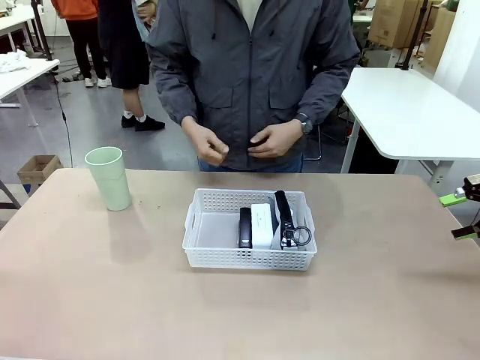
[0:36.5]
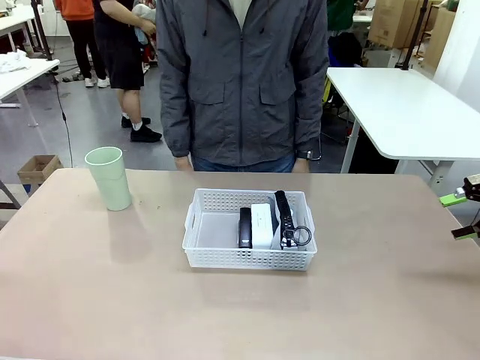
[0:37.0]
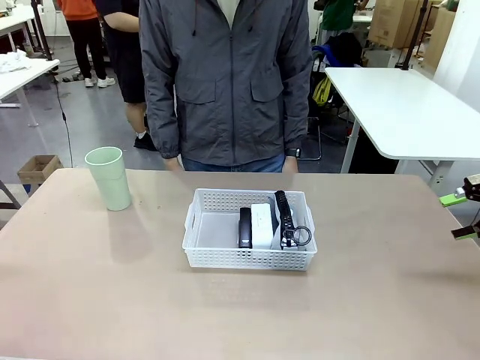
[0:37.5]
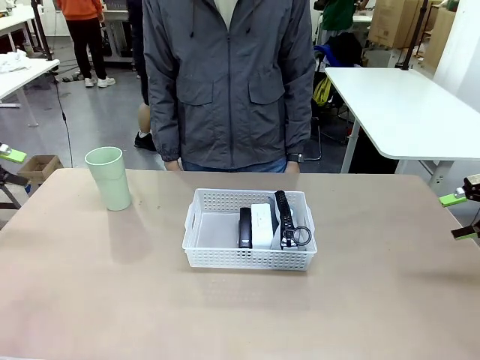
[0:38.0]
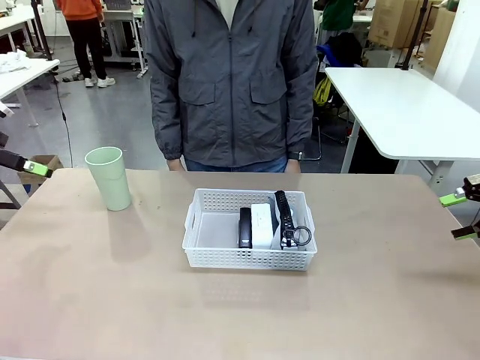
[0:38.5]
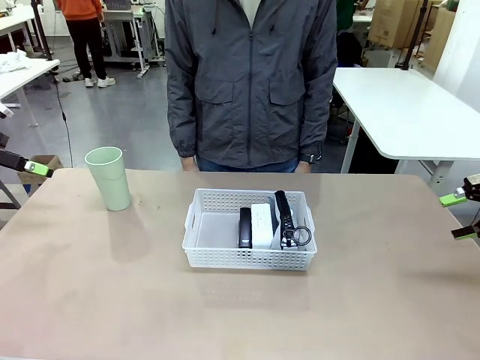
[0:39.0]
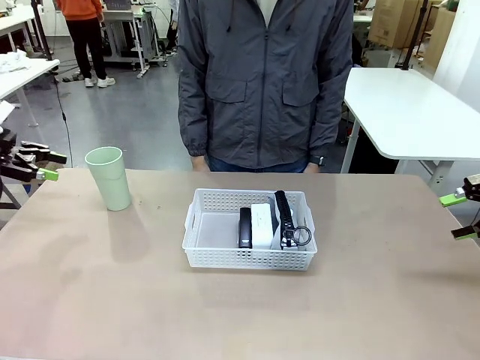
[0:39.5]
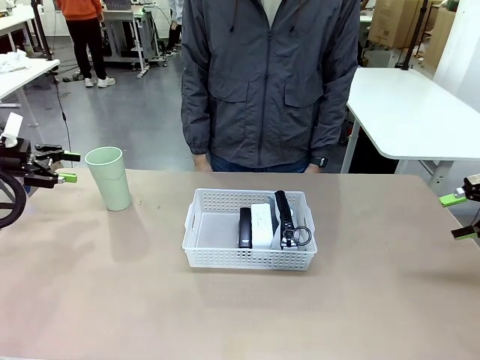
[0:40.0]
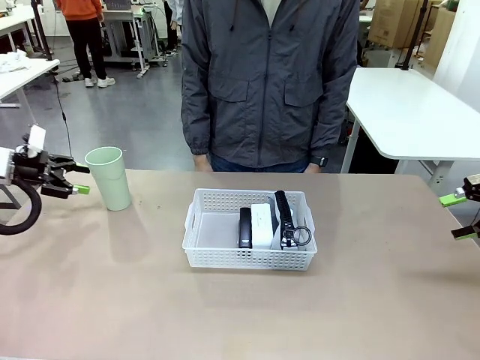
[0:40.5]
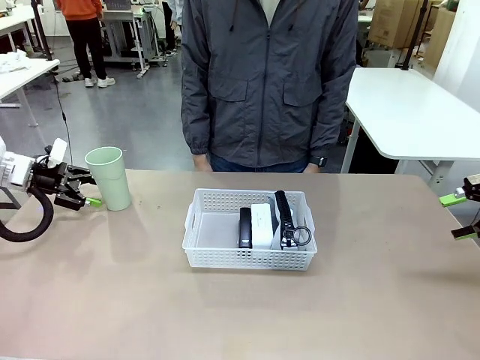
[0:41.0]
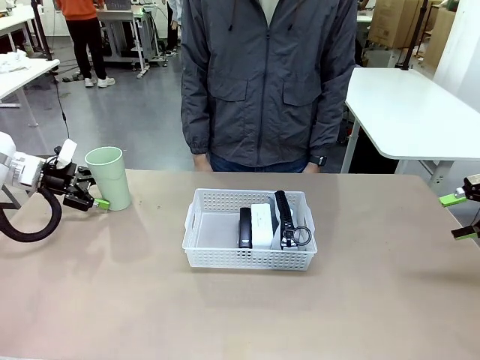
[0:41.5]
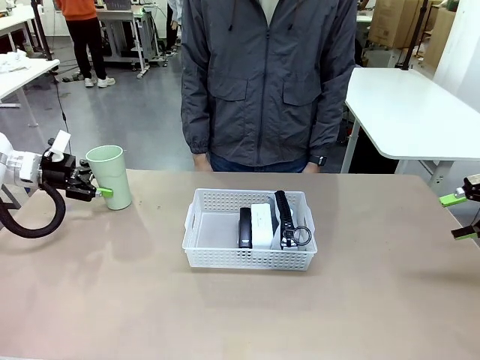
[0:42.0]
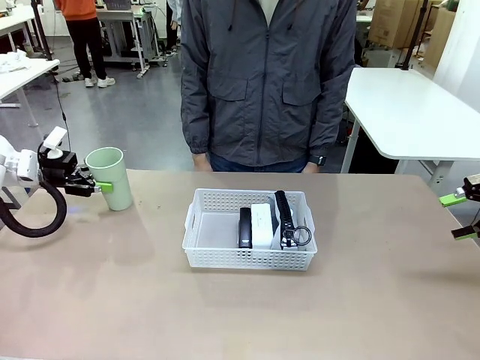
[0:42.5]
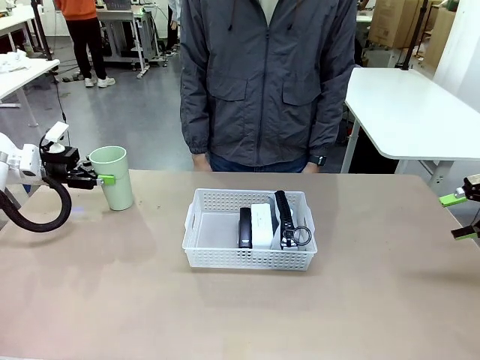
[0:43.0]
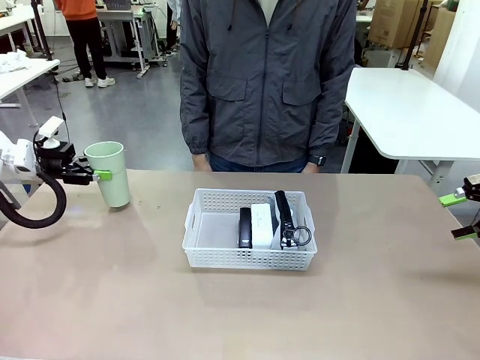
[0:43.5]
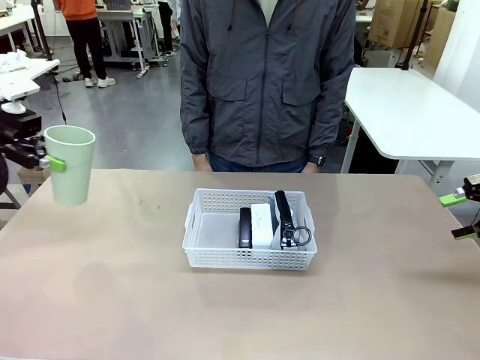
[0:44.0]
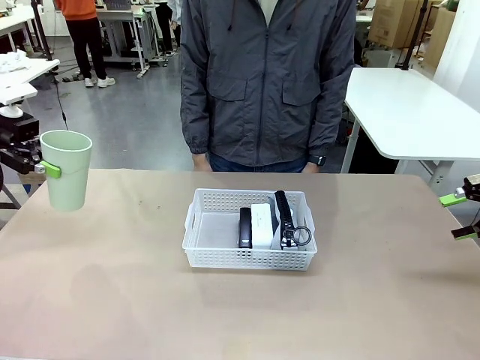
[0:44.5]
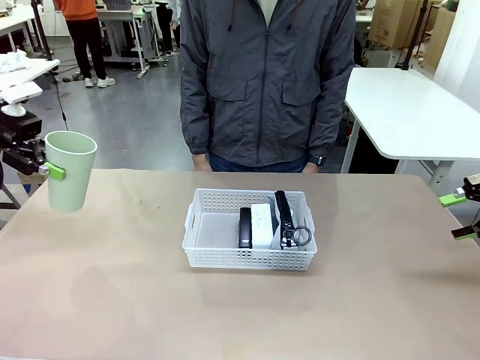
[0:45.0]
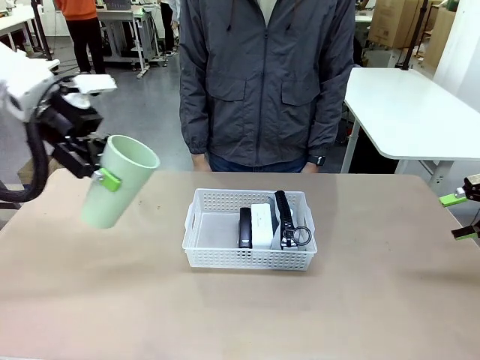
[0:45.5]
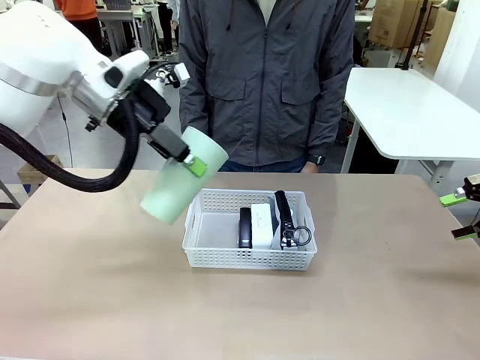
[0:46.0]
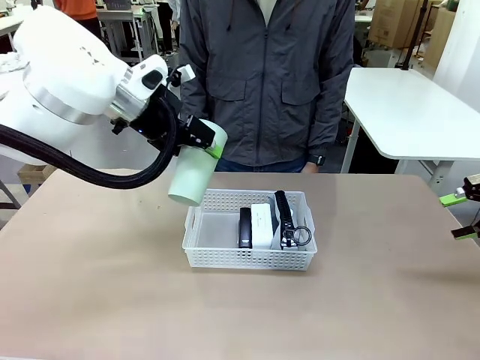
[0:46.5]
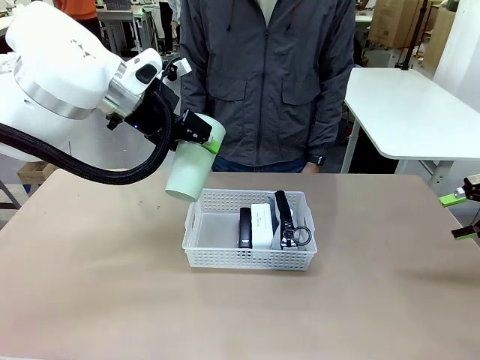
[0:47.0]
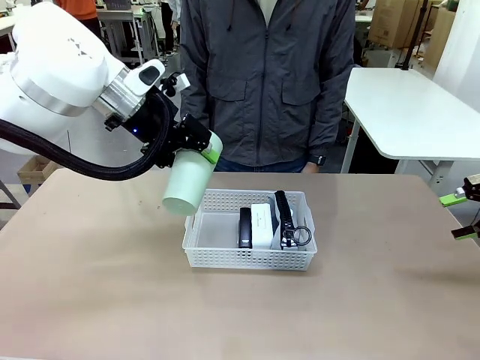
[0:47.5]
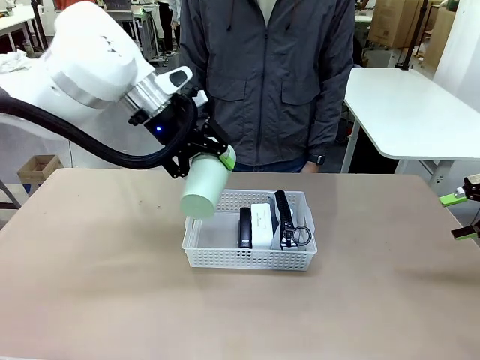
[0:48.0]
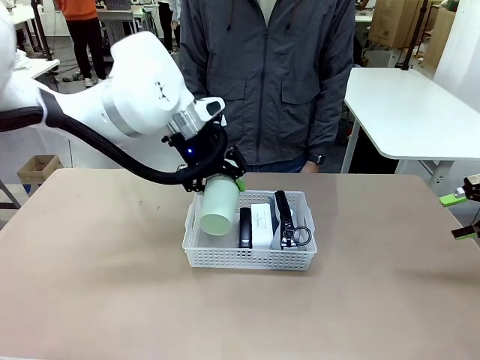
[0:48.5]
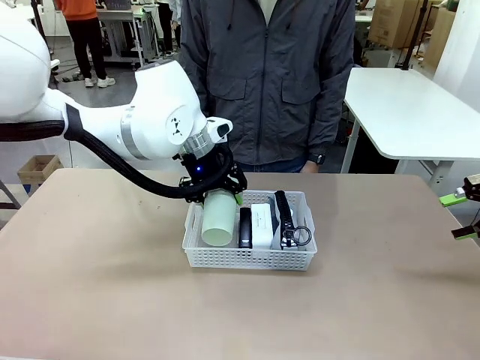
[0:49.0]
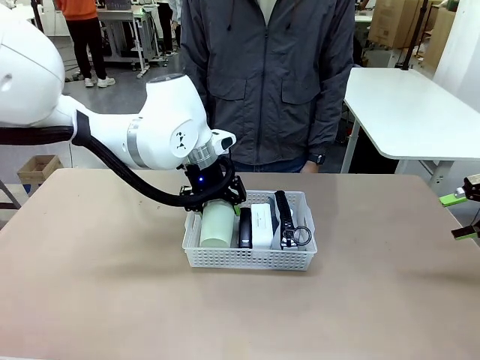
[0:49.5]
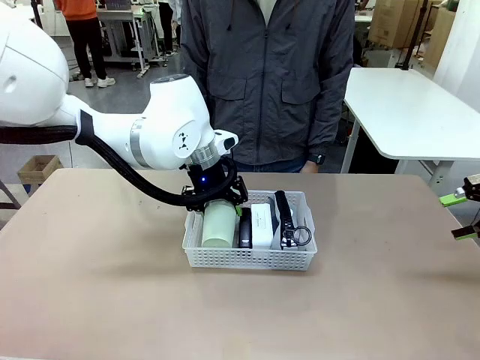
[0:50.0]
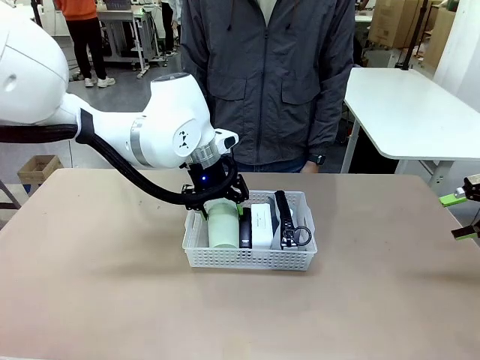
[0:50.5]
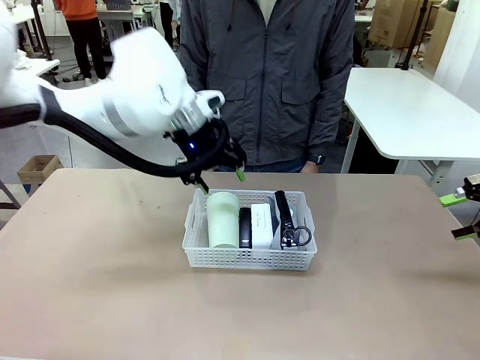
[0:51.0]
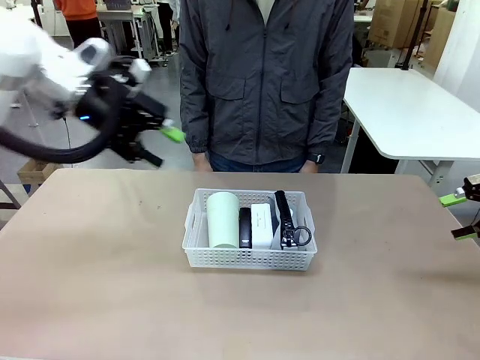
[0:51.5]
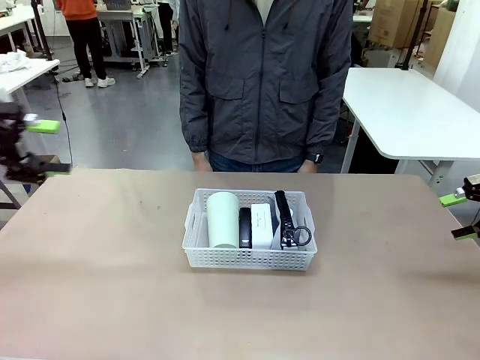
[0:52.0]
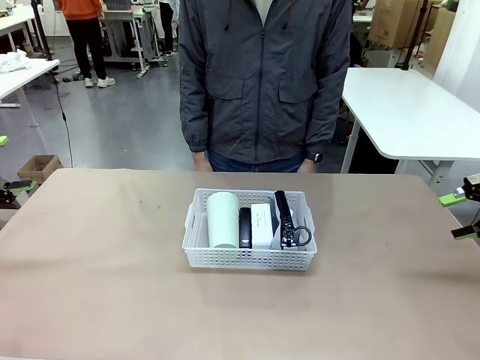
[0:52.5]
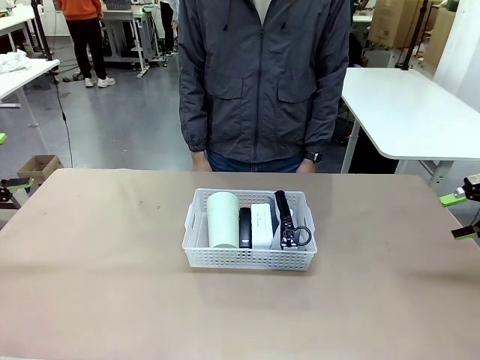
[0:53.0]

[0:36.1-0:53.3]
Task: Efficiently arrange items inside the basket to fit them all.
Robot: Pick up the Reusable plastic cup and place it inside the Organizing basket.
Person: Repositions the stapler.

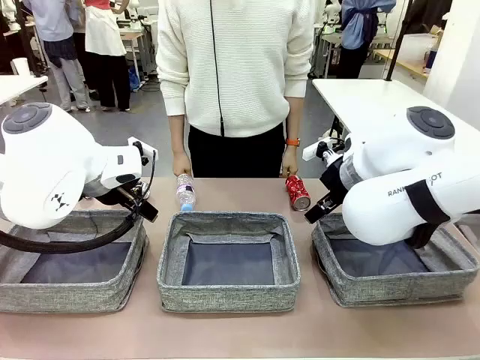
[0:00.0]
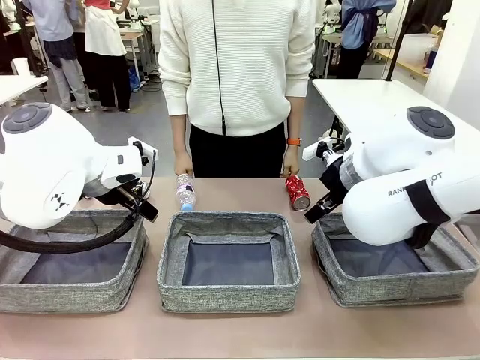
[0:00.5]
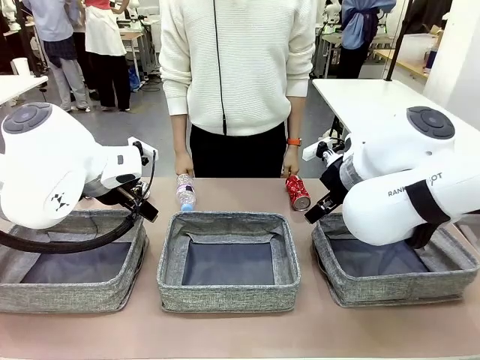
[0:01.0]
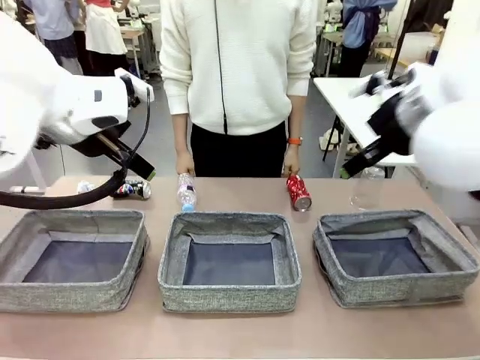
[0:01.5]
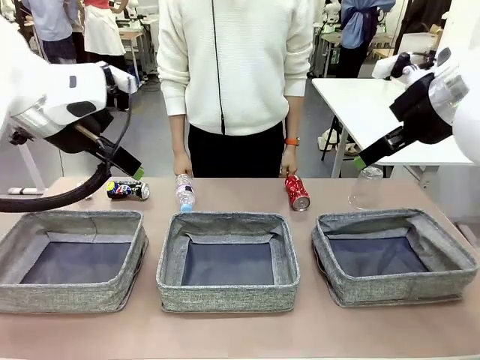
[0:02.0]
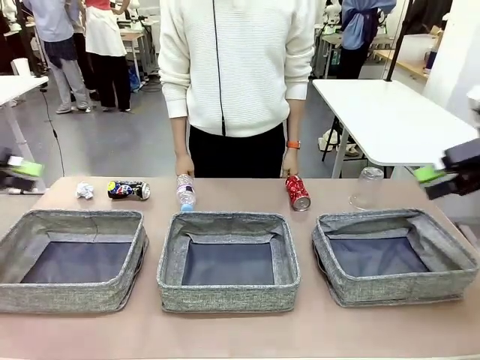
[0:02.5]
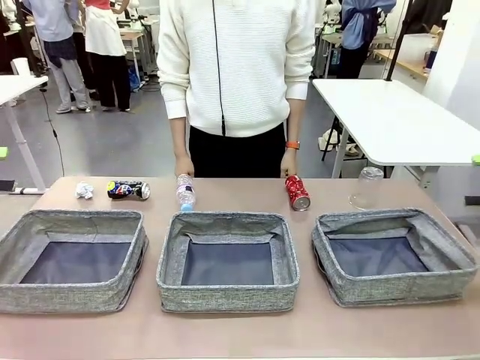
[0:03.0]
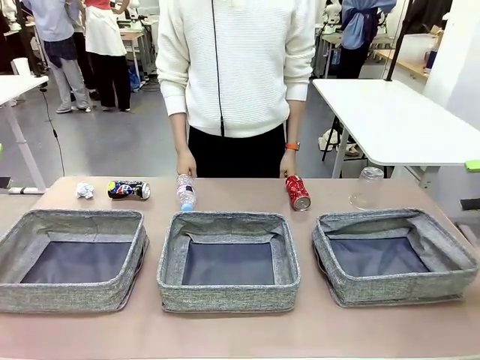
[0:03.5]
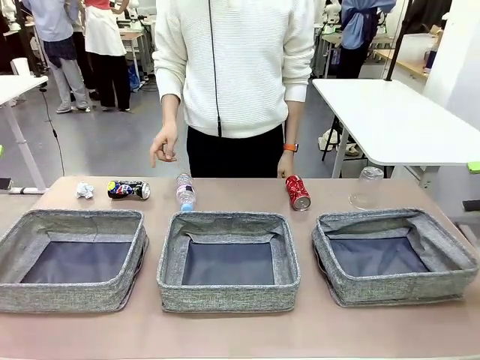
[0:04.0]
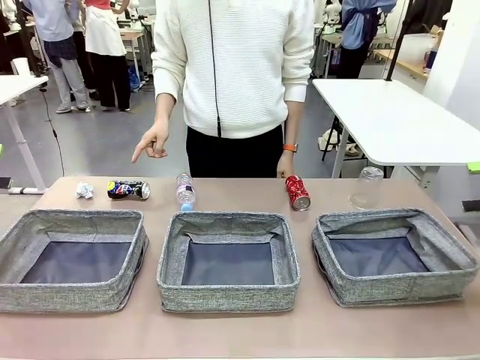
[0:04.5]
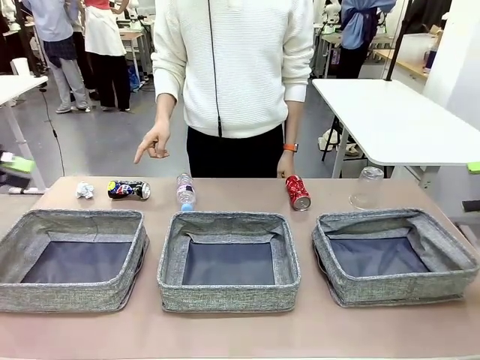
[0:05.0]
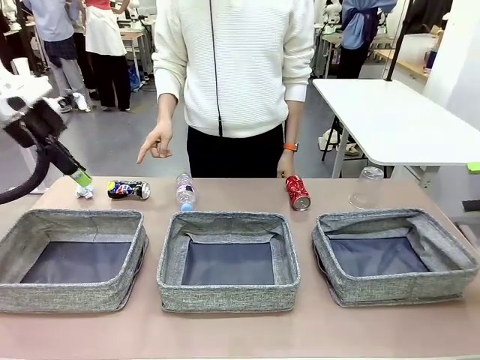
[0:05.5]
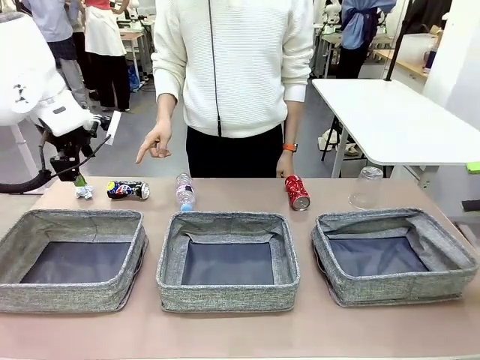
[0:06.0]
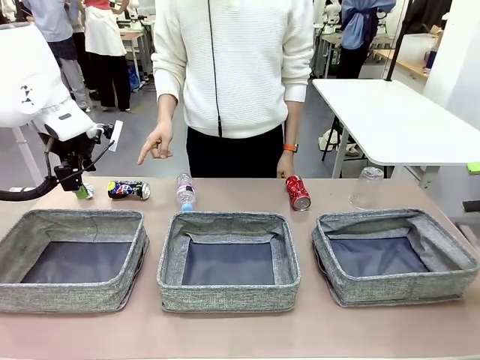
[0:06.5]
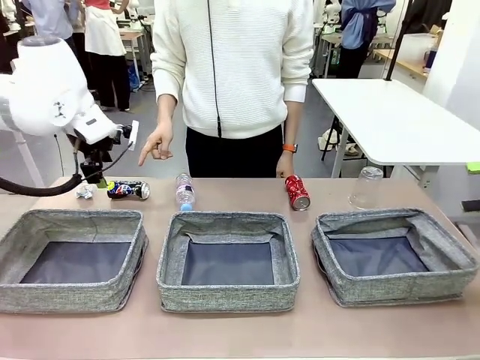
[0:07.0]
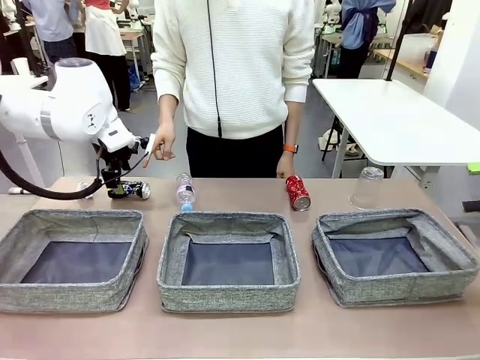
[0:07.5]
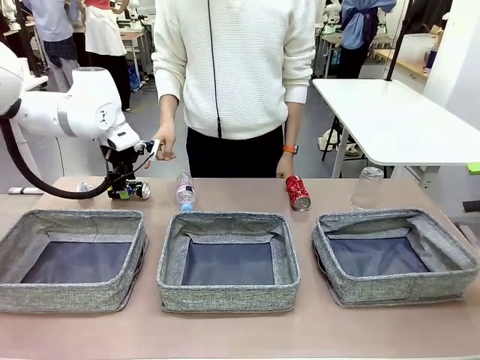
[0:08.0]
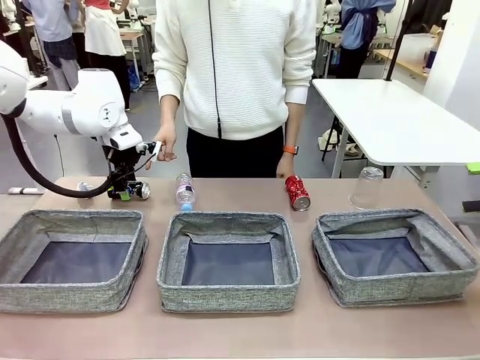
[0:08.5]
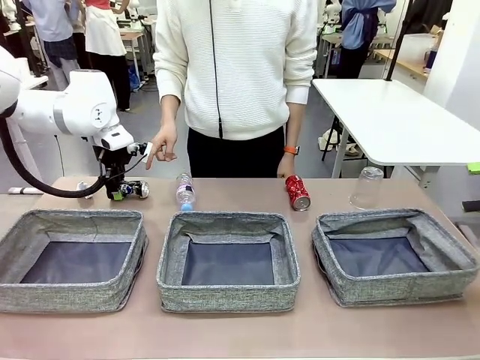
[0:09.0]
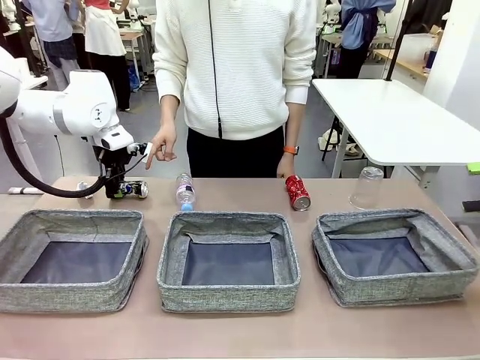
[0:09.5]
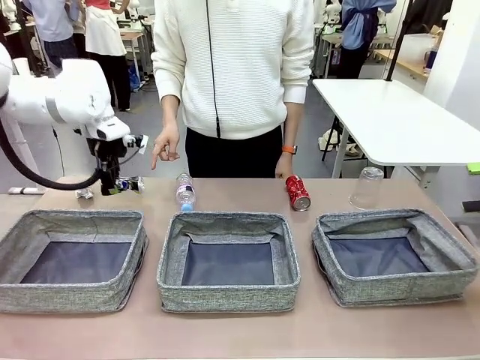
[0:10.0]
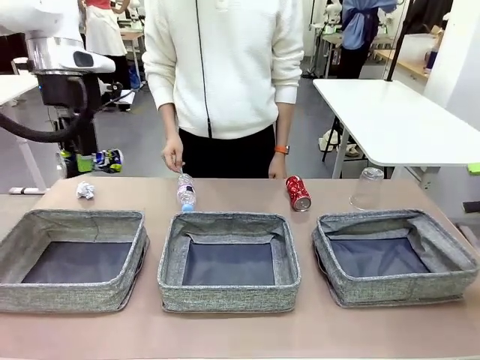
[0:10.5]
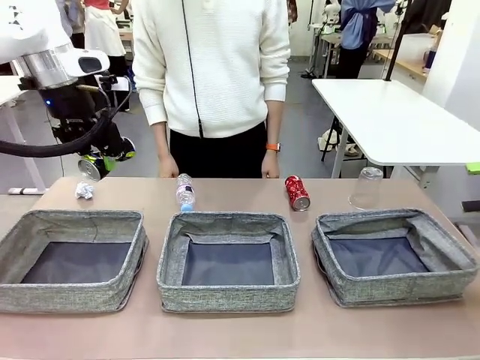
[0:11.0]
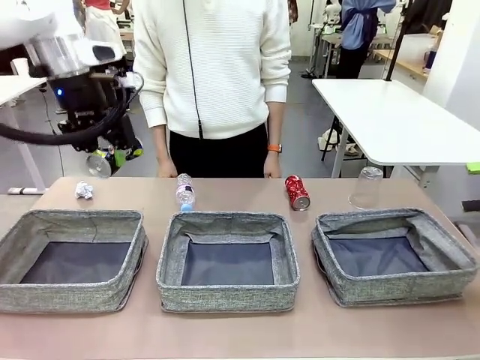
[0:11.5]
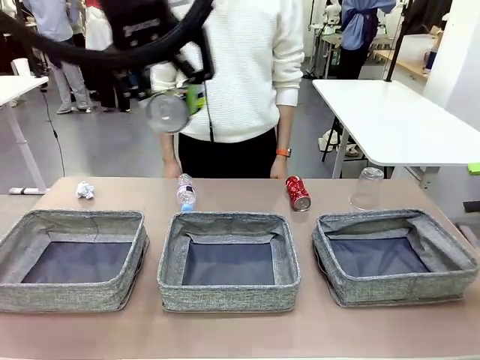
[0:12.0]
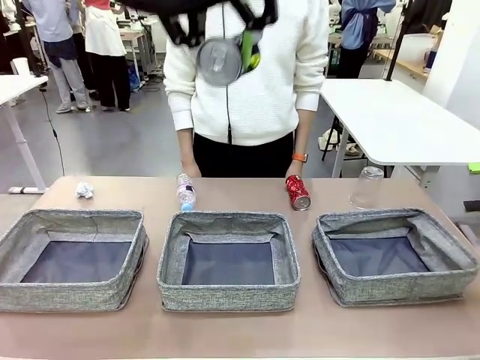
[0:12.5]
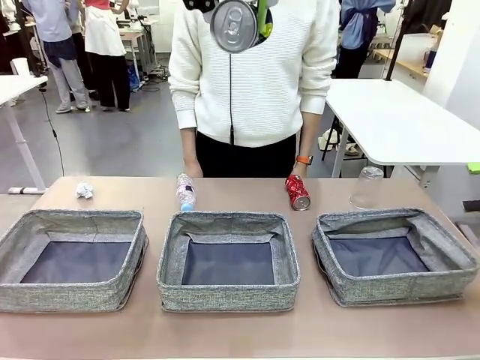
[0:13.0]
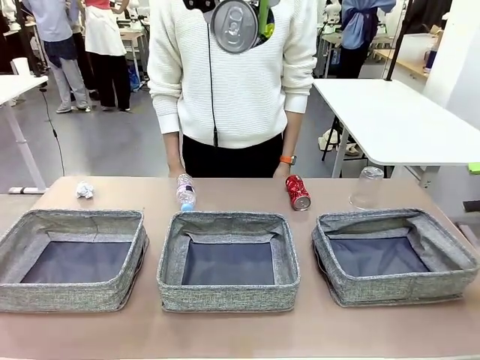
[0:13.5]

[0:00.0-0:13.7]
Task: Sort the waste into the appropriate baskets.
Robot: Pick up the waste item pointed out by the person.
Person: Points to one piece of trash on the table.
